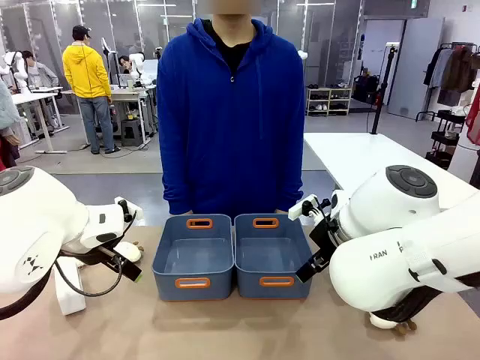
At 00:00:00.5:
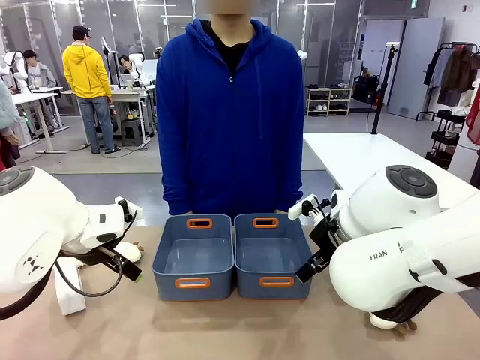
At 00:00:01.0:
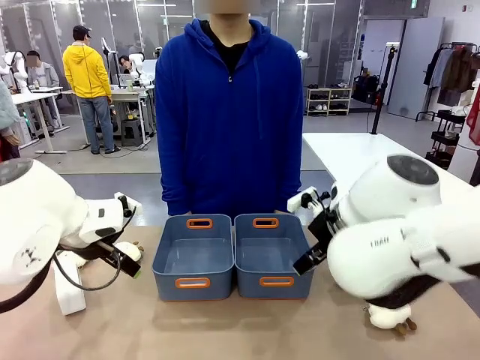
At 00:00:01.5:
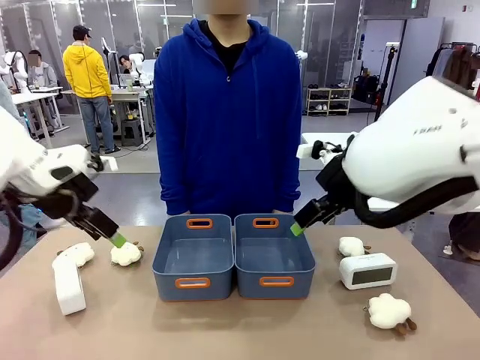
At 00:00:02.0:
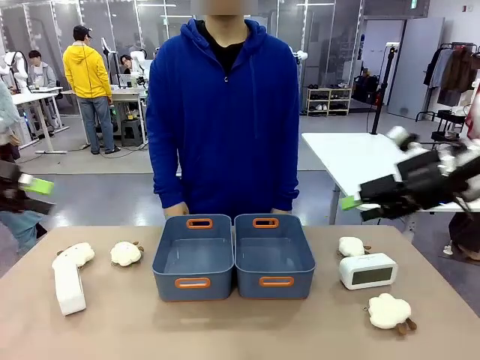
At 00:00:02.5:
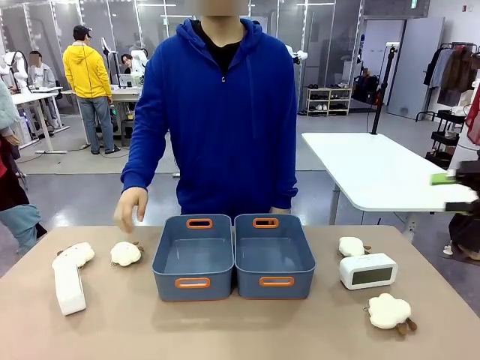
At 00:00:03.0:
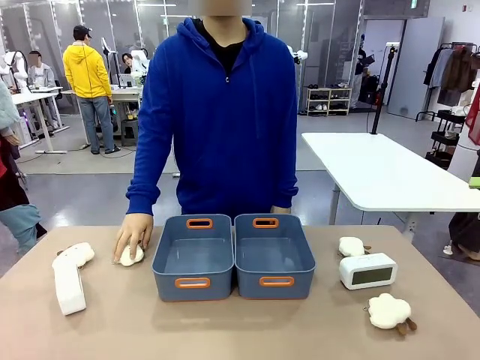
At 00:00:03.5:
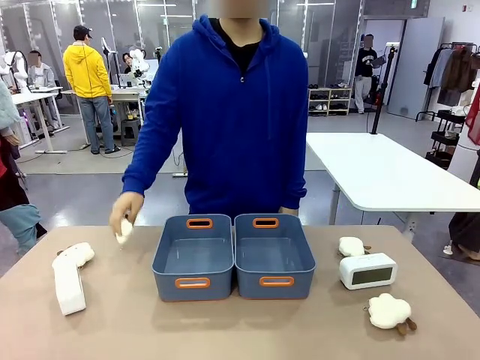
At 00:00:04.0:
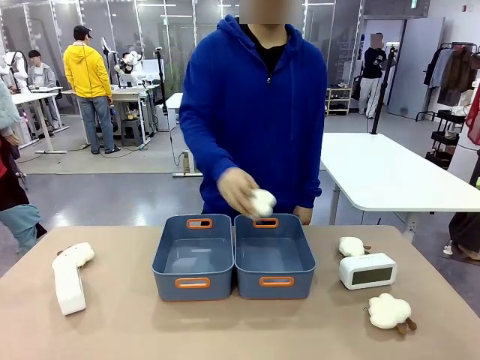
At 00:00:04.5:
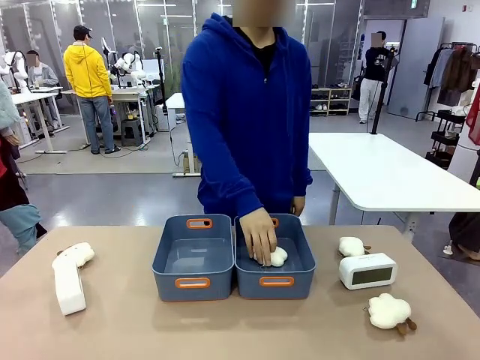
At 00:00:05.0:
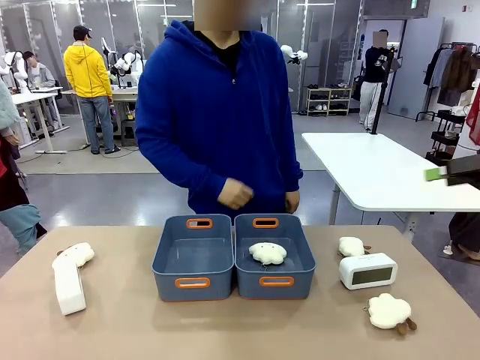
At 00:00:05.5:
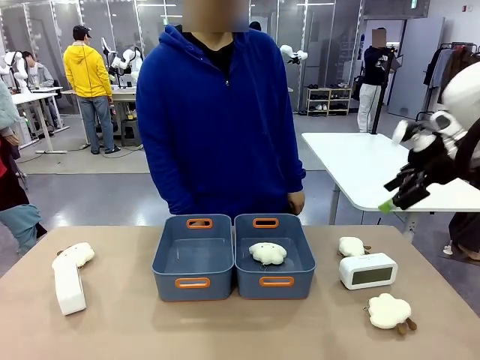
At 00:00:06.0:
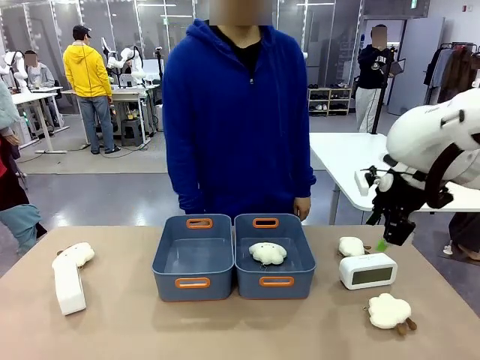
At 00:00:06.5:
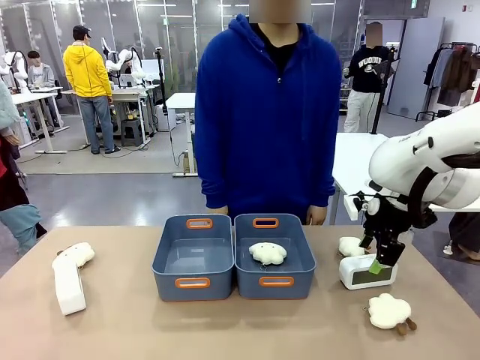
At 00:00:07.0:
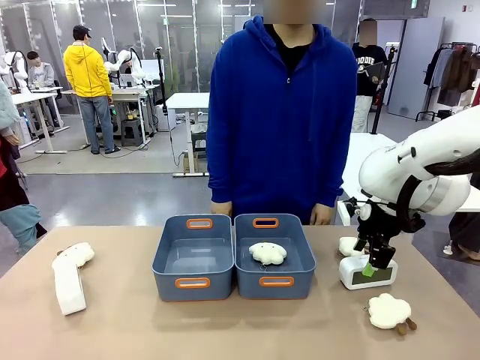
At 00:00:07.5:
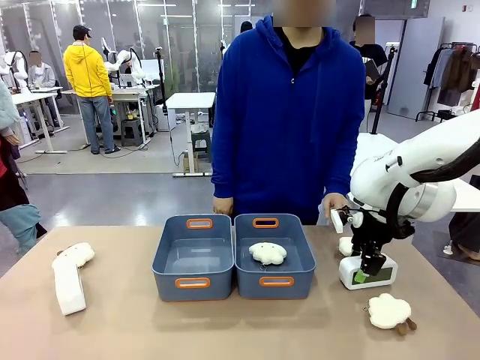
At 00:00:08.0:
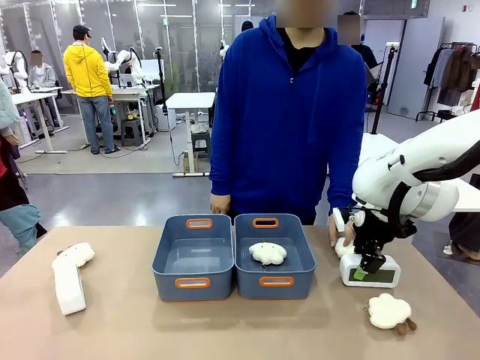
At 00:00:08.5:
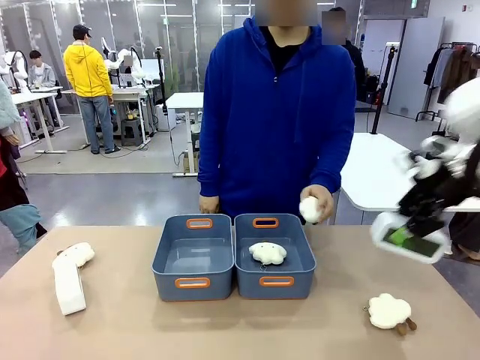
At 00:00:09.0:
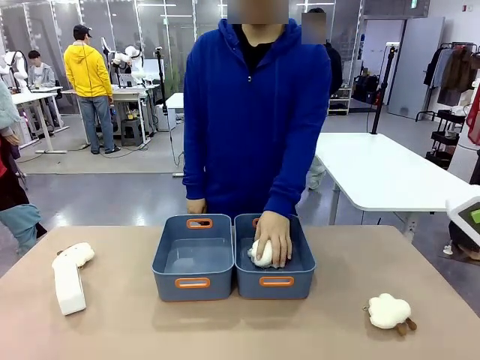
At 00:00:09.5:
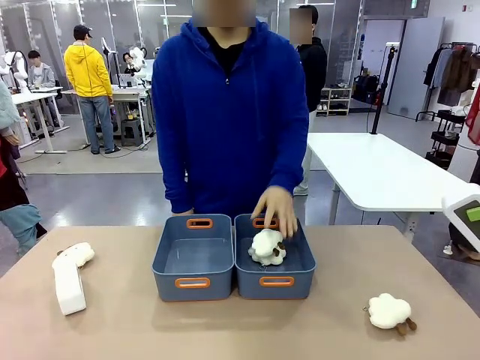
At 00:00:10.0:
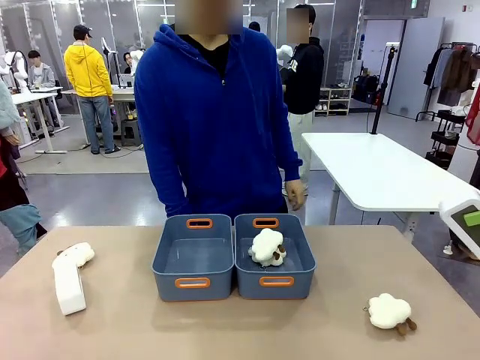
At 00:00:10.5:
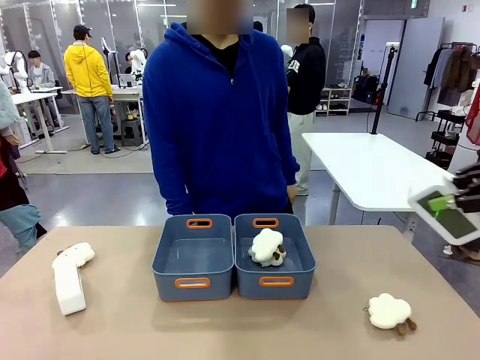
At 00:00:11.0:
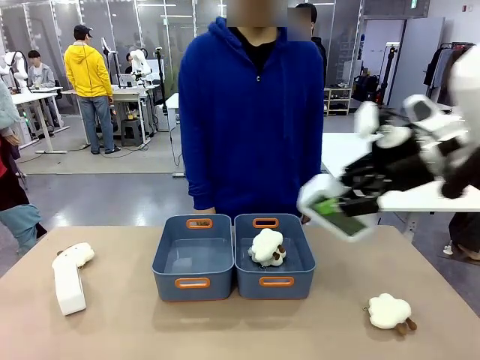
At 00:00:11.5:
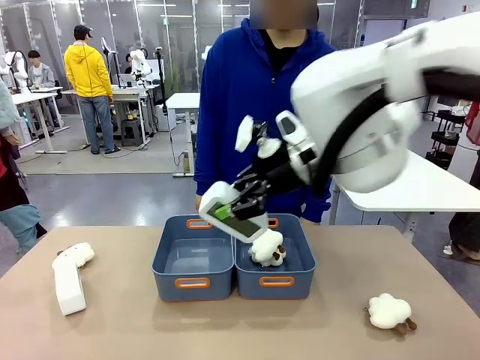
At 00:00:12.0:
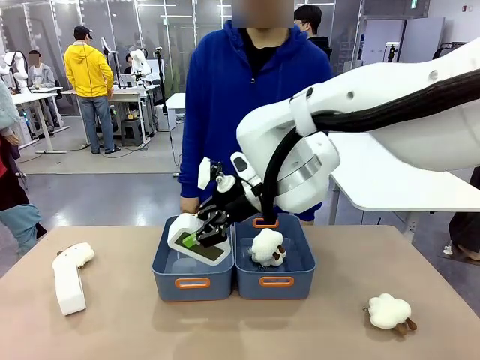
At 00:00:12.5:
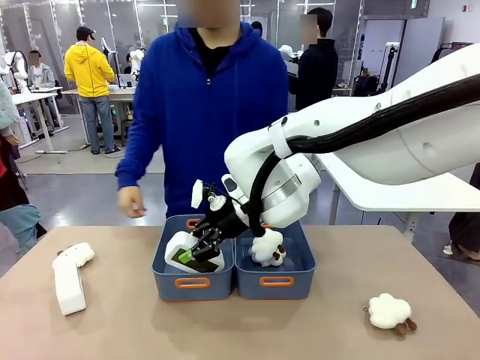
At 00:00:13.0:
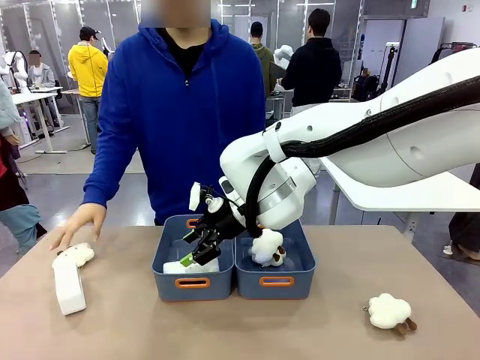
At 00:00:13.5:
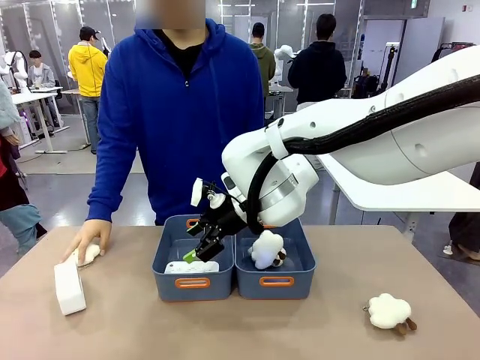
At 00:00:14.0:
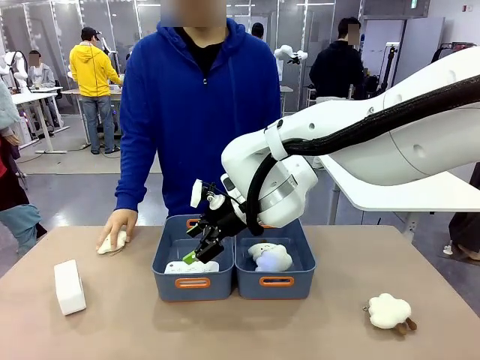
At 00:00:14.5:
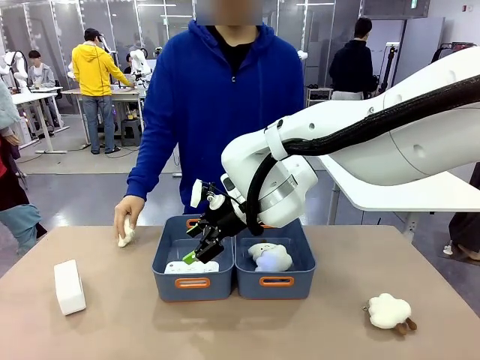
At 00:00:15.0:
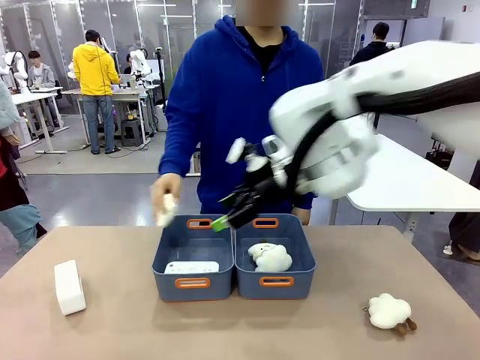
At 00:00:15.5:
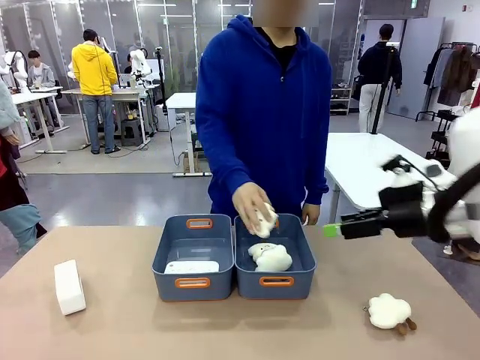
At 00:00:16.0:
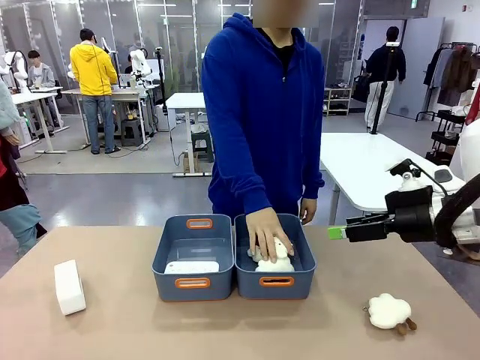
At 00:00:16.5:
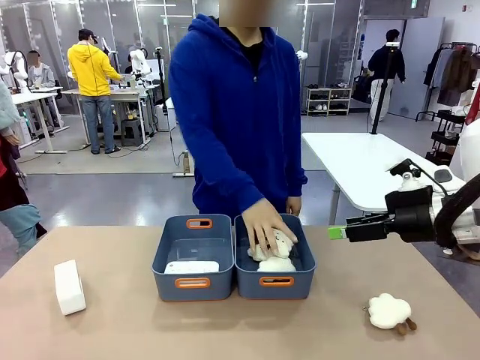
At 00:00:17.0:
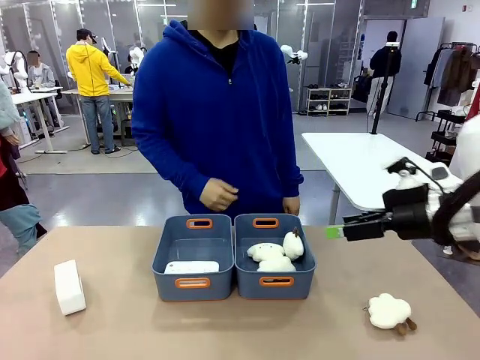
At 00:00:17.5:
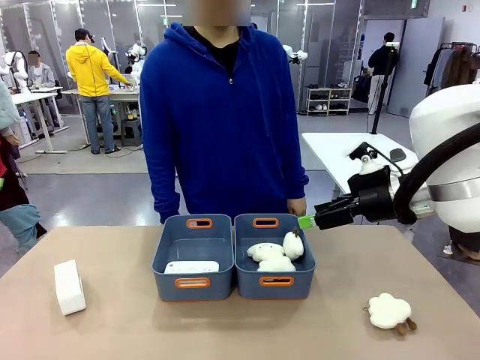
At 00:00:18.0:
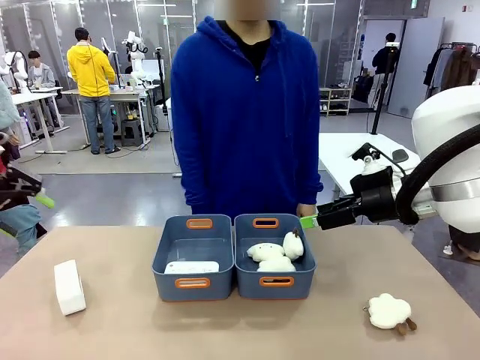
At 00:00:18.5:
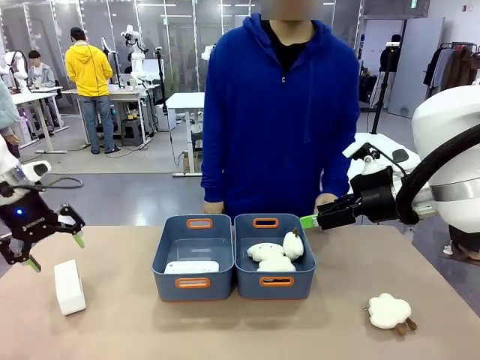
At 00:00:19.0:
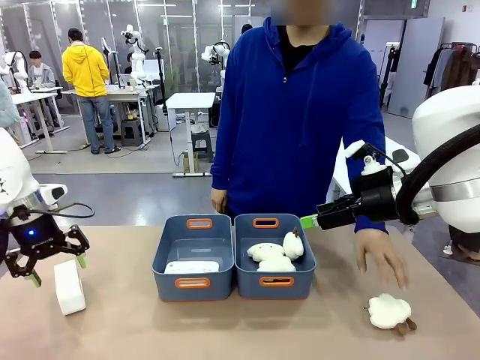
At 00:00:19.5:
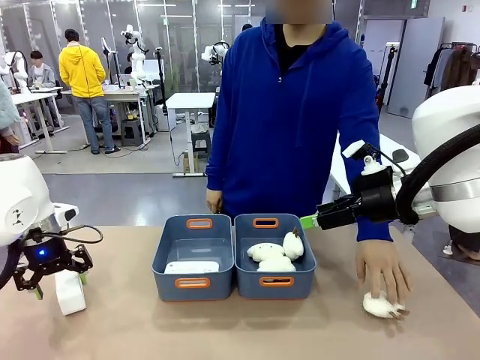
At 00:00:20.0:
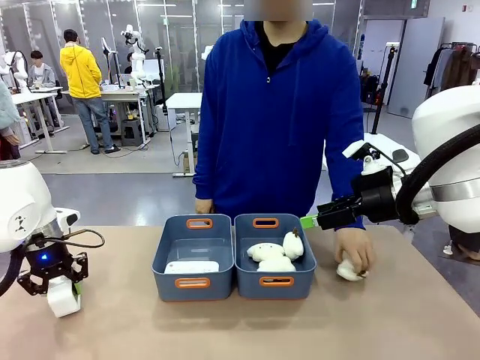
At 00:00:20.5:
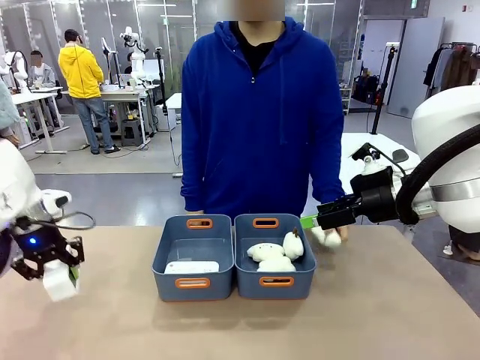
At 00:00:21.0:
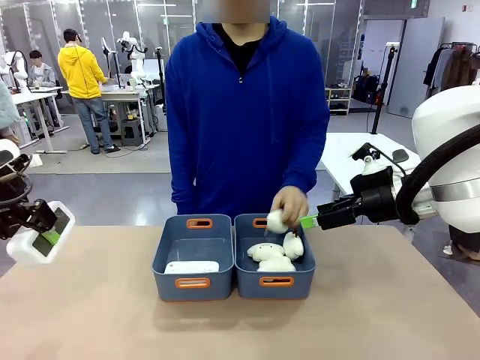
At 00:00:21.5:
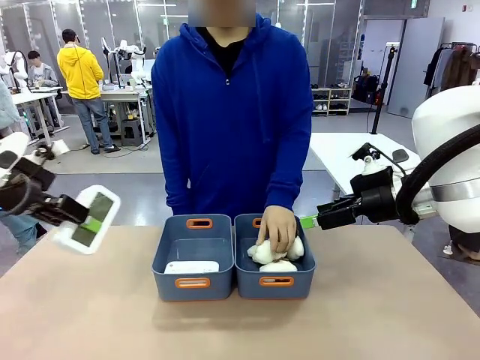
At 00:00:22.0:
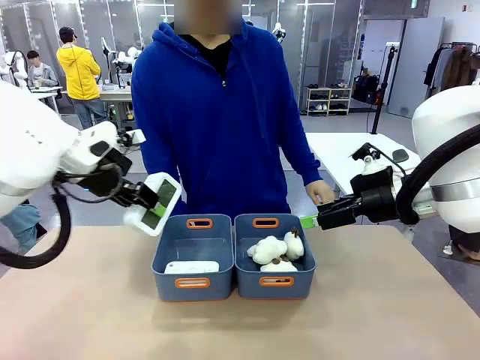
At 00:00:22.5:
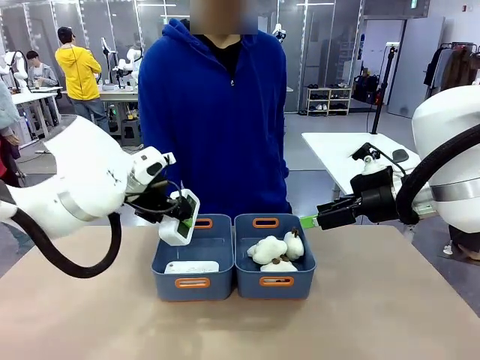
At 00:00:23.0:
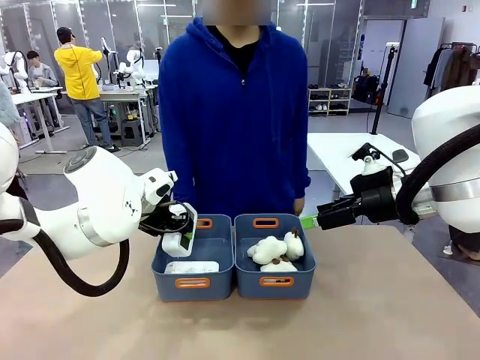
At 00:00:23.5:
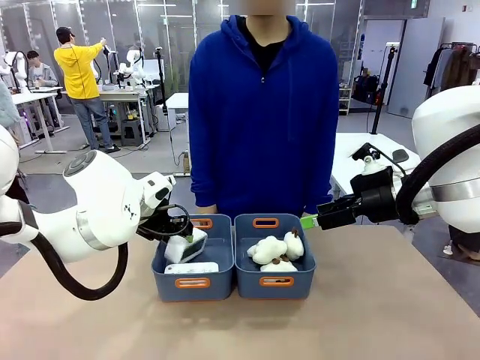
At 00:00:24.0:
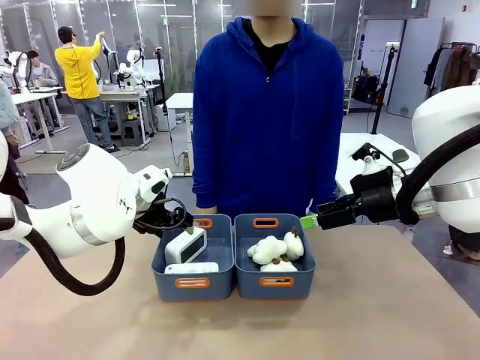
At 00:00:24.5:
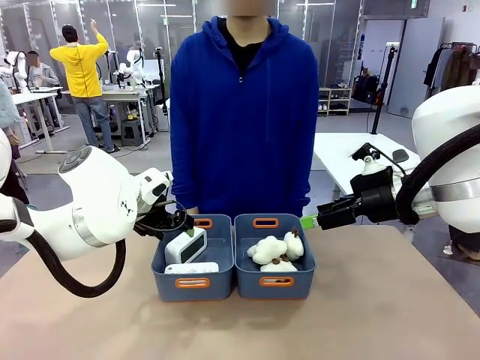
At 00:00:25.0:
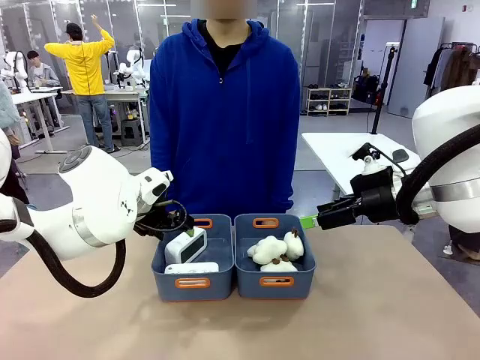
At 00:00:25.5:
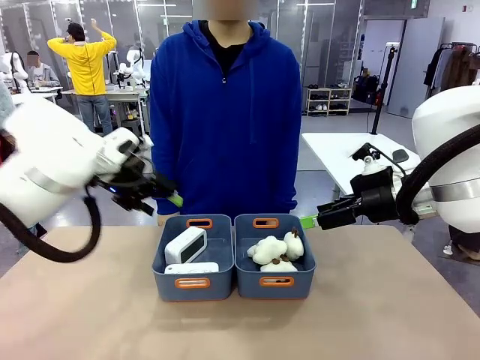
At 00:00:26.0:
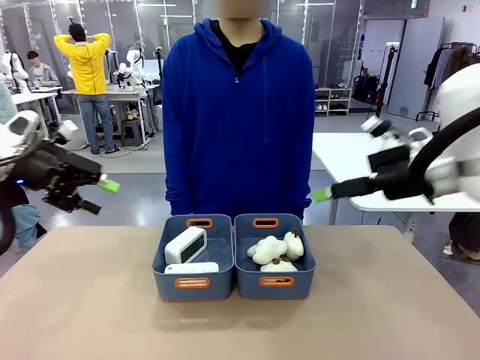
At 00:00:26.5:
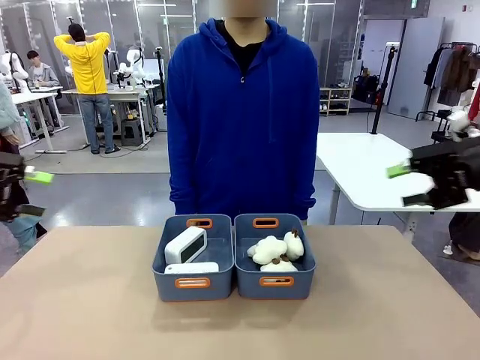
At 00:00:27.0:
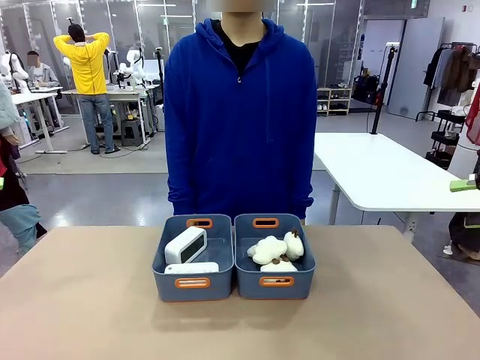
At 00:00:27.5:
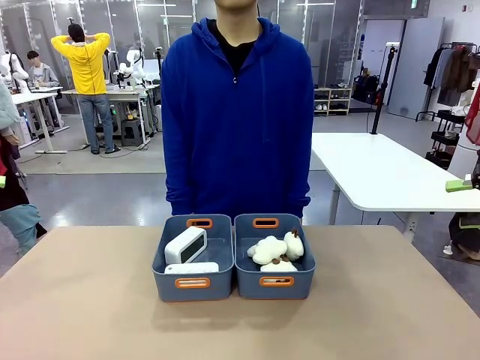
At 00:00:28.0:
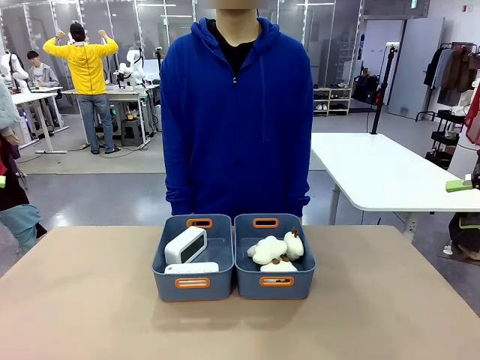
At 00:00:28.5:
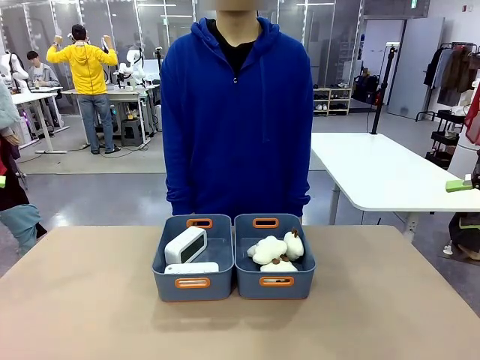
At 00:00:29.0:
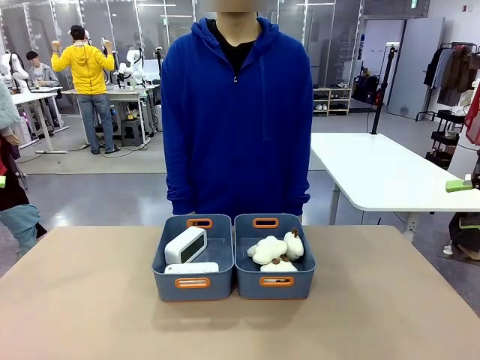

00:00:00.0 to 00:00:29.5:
Task: Sort the digital clocks into the basket.
Robot: Pick up the Digital clock from the table and place it into the empty Plastic storage basket.
Person: Pick up a plush toy from the table and place it in a plastic storage basket. Pick up a plush toy from the table and place it in the plastic storage basket containing the plush toy.
